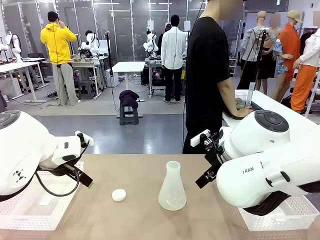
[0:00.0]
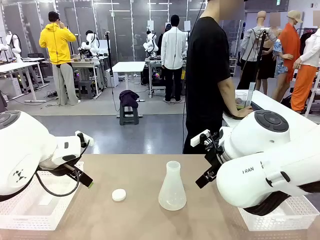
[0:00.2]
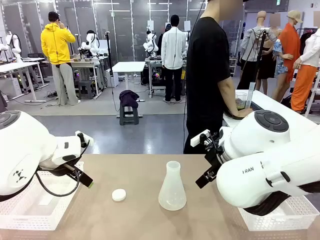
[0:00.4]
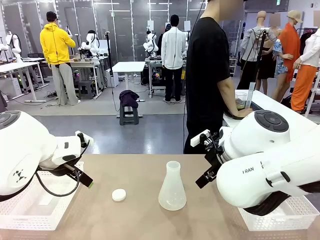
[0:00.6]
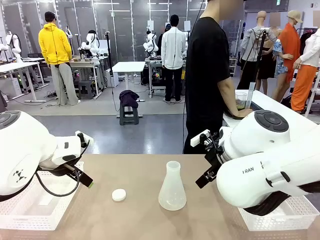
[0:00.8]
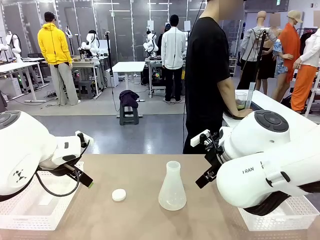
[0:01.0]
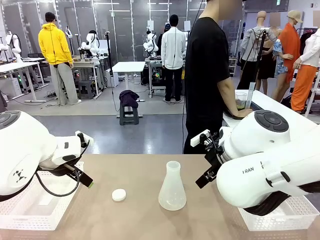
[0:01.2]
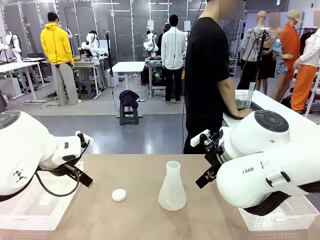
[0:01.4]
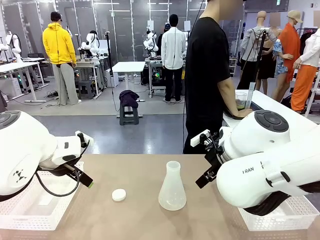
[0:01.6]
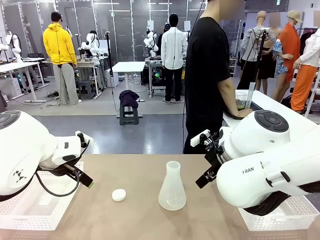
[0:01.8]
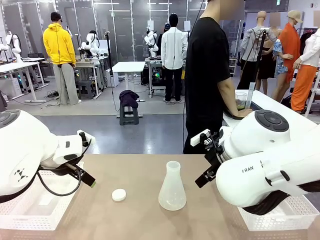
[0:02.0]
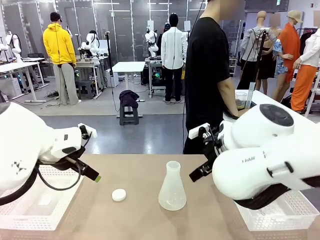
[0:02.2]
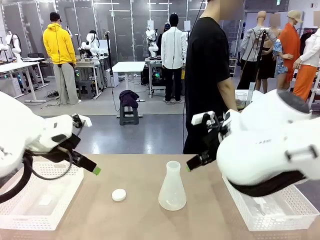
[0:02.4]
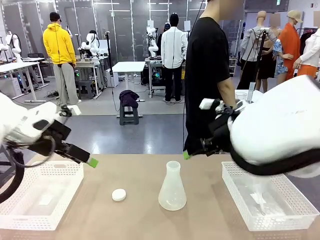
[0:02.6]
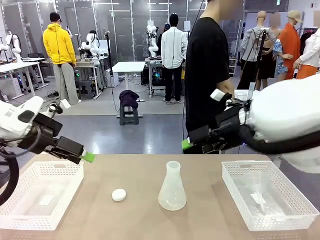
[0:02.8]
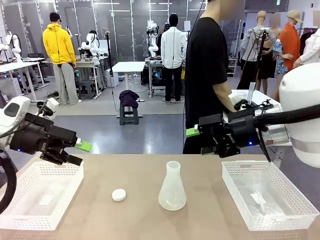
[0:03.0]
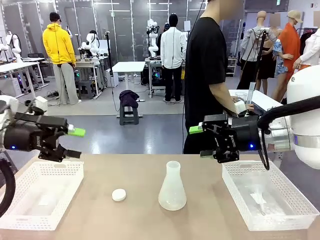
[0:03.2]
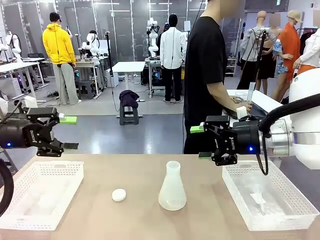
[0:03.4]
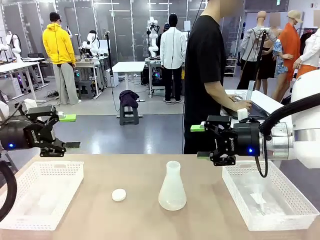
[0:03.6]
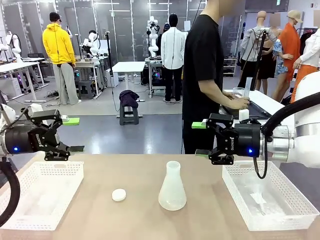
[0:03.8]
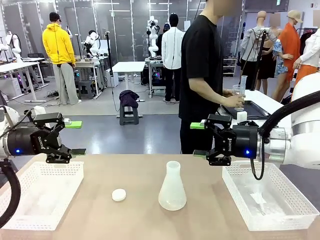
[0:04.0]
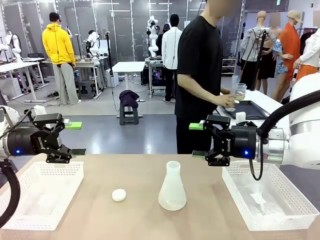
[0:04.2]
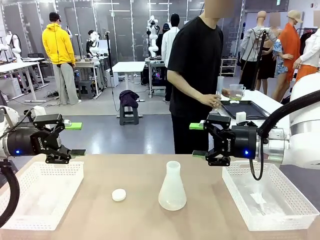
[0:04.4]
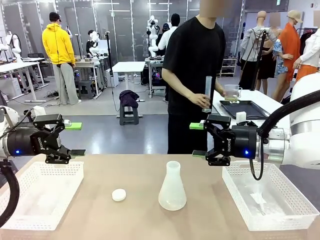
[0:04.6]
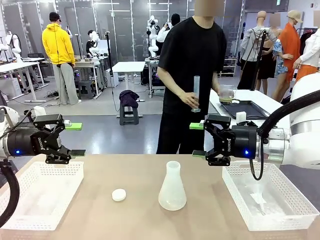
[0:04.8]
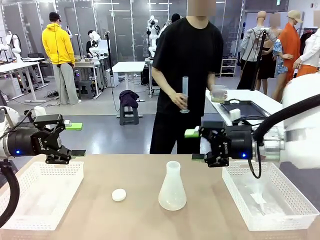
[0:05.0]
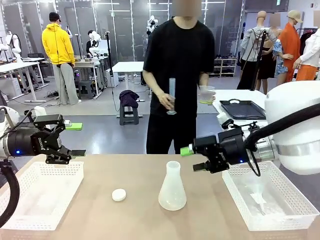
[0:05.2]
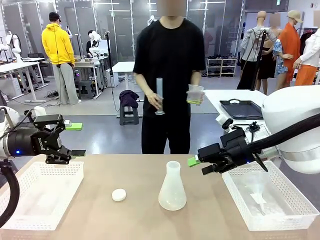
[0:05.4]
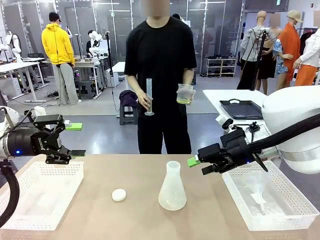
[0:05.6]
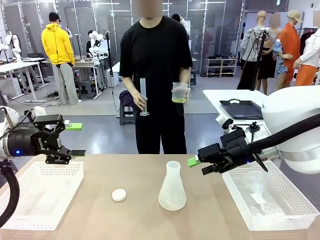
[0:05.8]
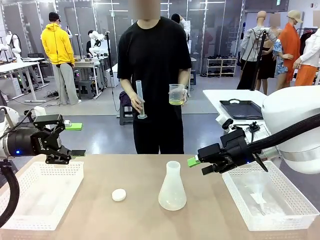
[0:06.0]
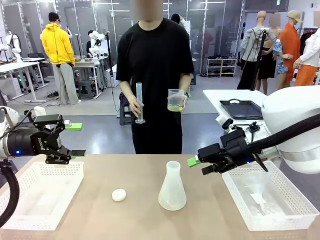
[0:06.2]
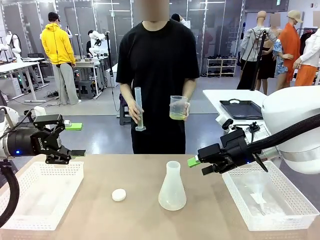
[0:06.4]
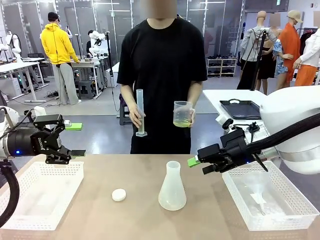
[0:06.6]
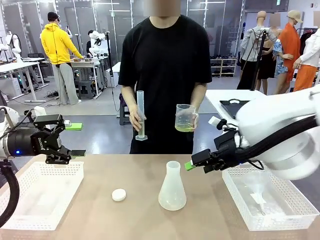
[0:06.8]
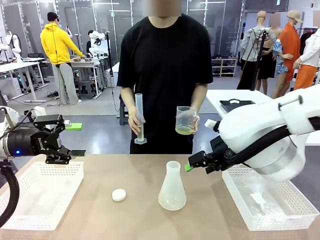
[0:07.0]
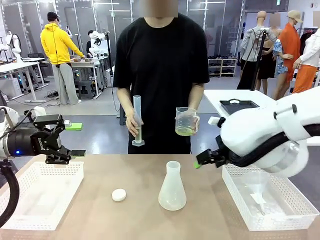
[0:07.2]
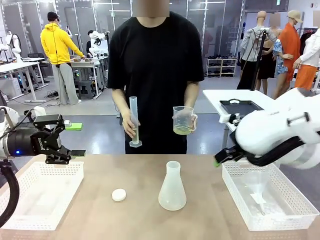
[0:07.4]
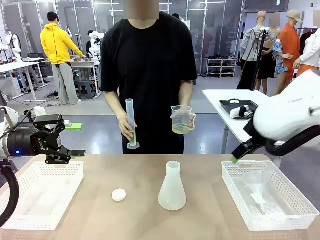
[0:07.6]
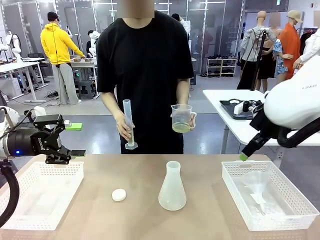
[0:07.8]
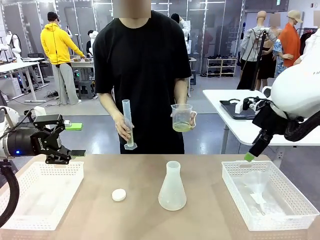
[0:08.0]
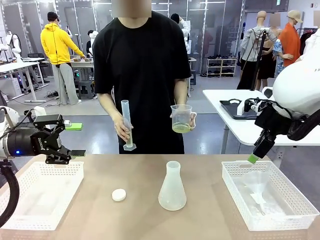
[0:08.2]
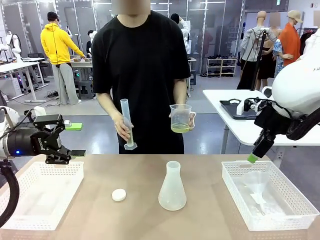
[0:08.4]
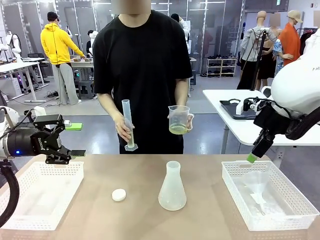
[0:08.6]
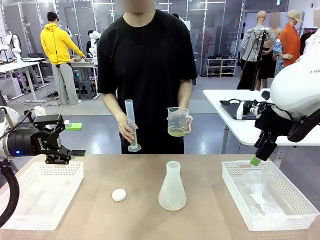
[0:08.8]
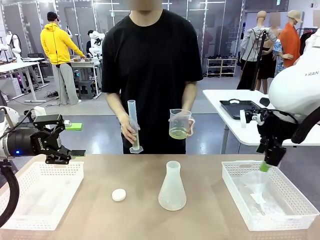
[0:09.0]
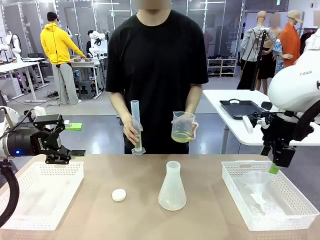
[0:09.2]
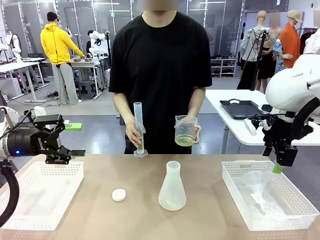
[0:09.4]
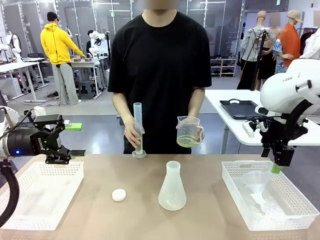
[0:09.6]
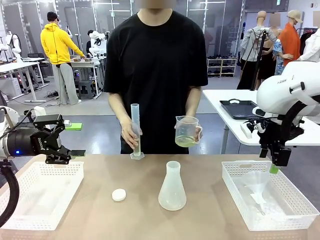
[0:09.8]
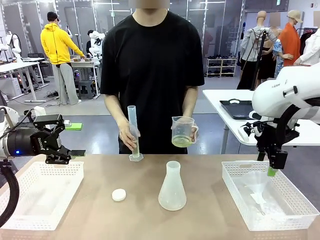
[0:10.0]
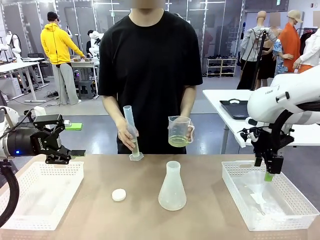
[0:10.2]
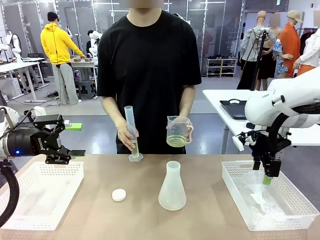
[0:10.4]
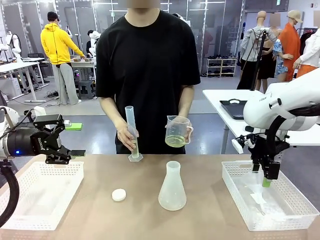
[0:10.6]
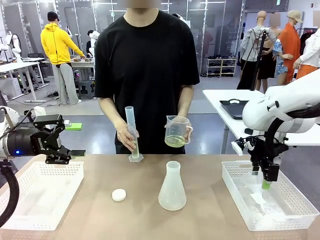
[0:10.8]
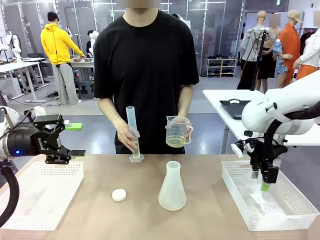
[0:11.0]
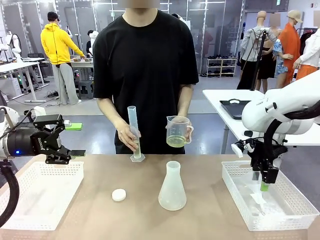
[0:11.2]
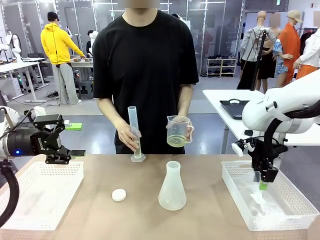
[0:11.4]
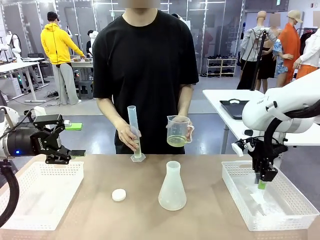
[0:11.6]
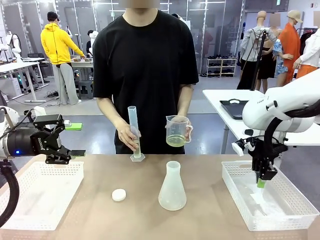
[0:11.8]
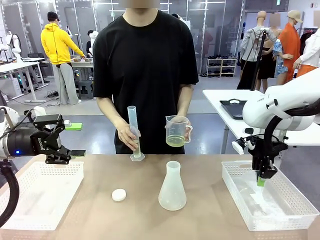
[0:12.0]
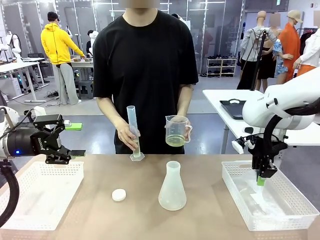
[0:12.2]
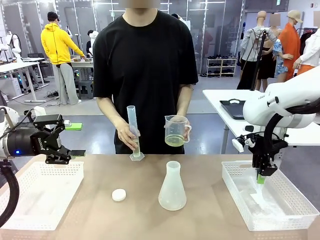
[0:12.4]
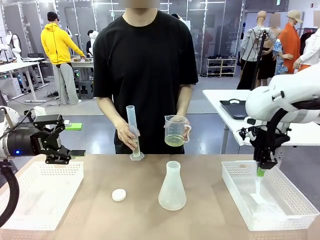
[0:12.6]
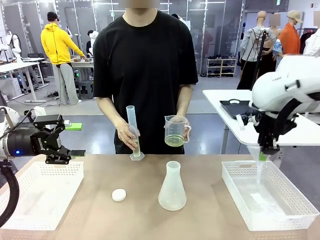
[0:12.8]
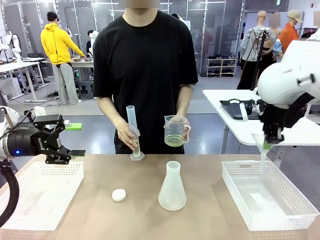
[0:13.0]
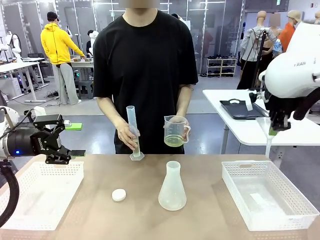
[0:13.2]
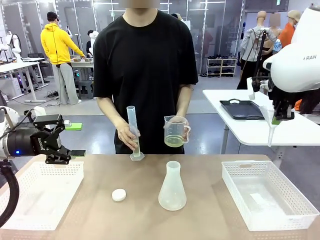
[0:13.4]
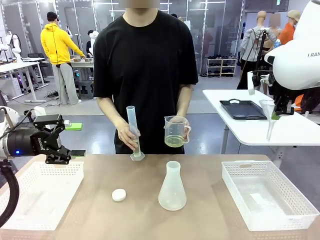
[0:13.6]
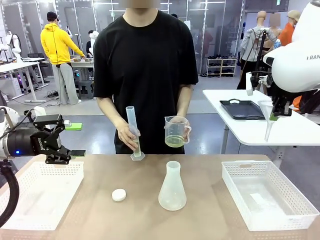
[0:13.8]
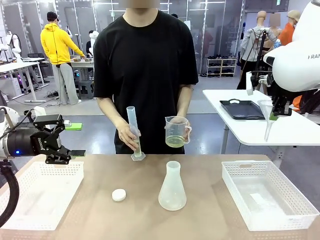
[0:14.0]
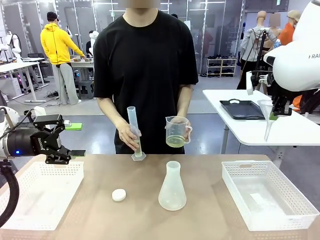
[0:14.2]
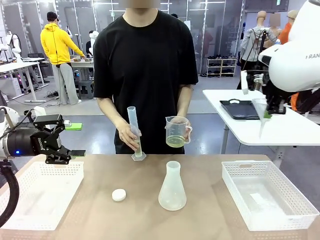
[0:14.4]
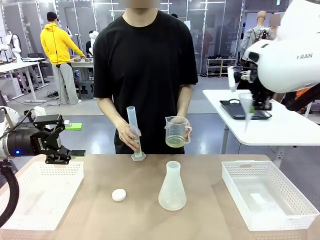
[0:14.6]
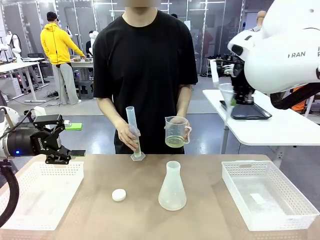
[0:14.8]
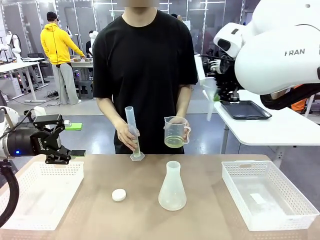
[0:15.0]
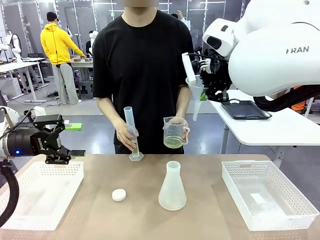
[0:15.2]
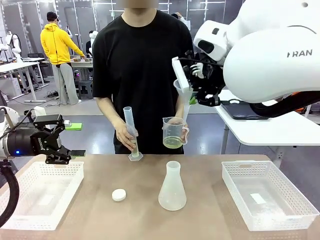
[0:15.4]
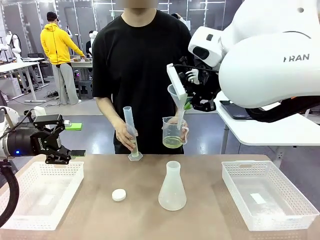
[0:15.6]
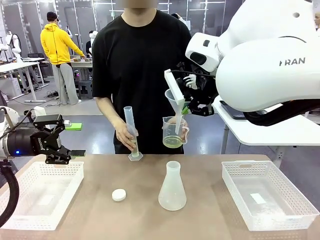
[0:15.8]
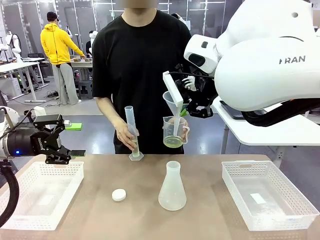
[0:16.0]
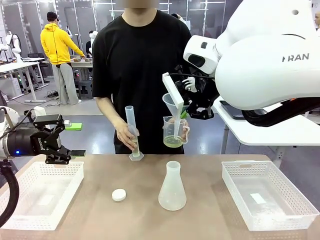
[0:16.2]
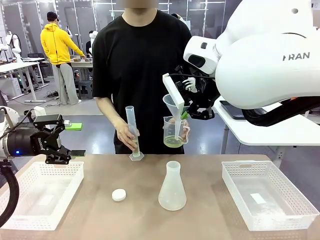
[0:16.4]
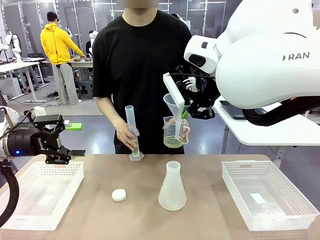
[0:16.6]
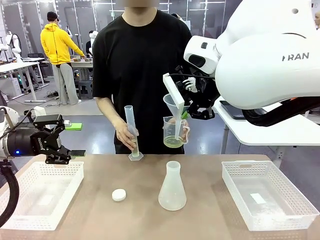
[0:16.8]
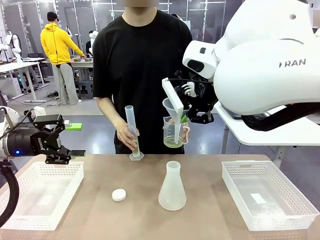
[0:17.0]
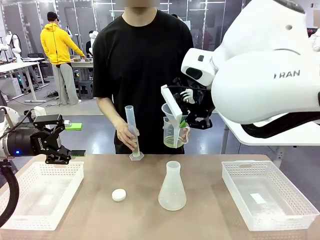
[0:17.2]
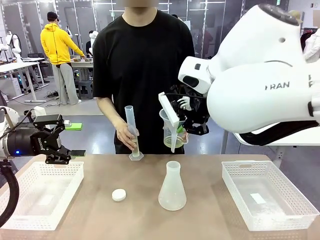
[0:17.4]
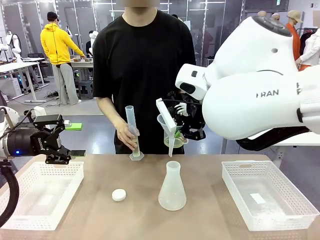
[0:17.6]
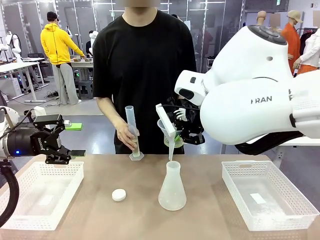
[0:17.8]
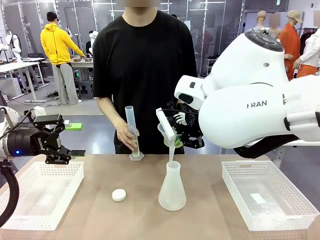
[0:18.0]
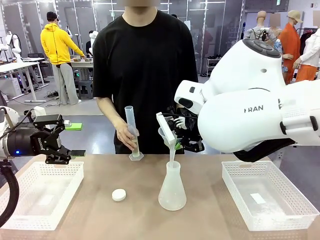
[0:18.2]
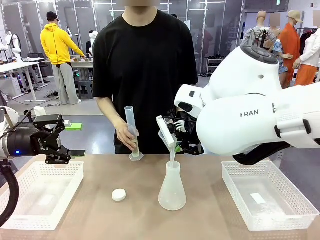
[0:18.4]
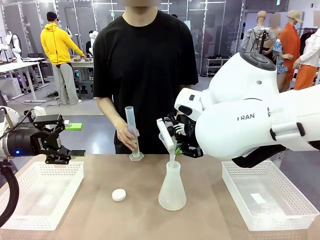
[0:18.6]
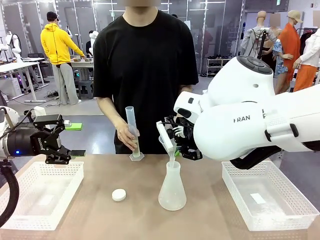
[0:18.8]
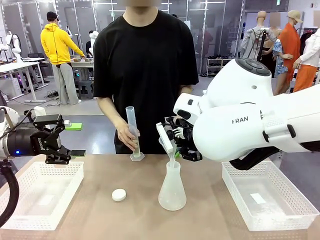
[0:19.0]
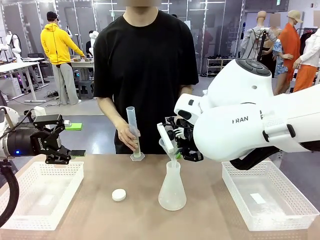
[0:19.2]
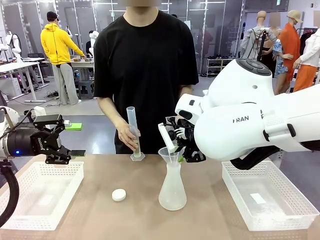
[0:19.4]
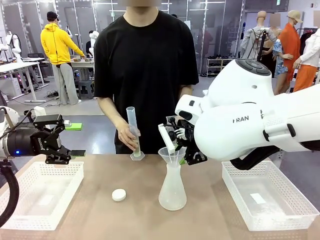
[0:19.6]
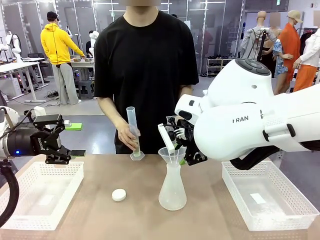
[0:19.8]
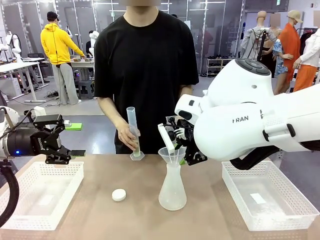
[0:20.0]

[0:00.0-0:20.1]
Task: Prepare the solutions needed for the experiment.
Robot: Pick up the Plastic Funnel and insert it into the Big flask.
Person: Pick up the beaker and the cylinder and move to the middle of the robot table. Pour the solution from the beaker and the cylinder into the flask.
